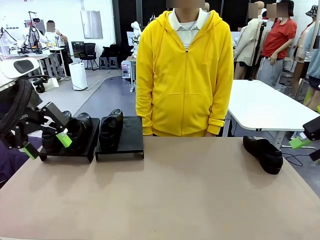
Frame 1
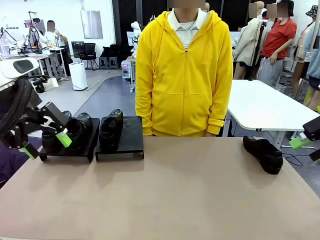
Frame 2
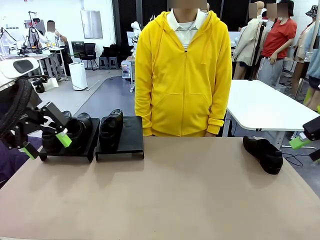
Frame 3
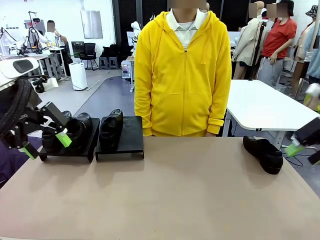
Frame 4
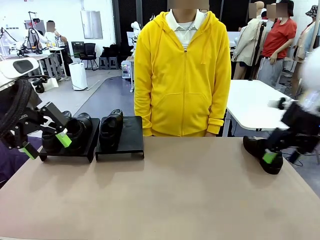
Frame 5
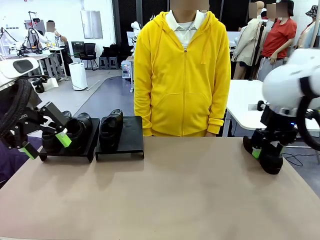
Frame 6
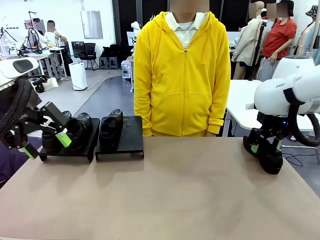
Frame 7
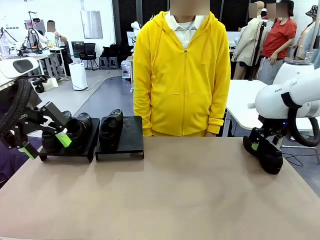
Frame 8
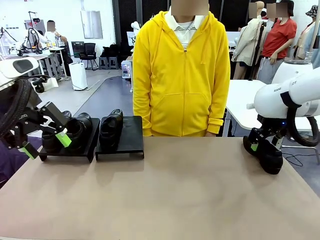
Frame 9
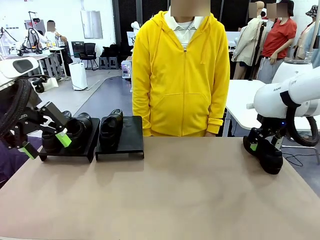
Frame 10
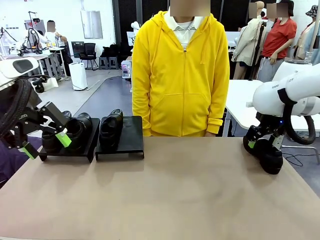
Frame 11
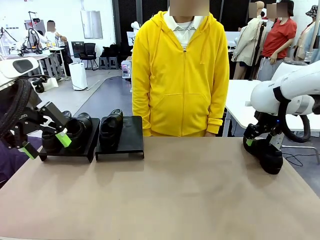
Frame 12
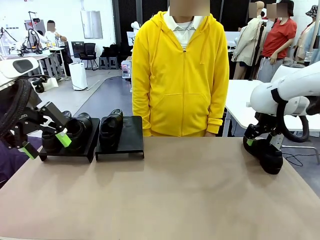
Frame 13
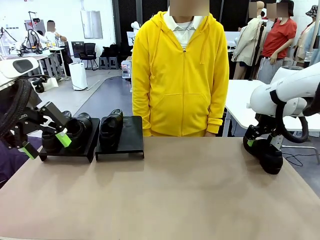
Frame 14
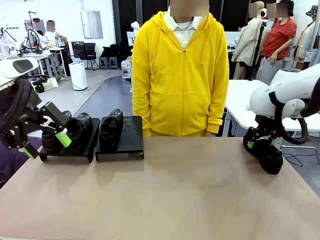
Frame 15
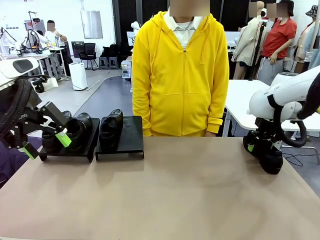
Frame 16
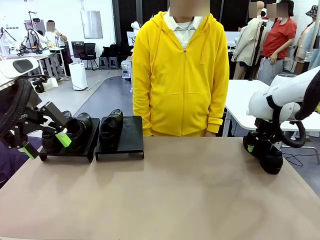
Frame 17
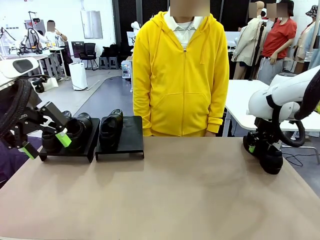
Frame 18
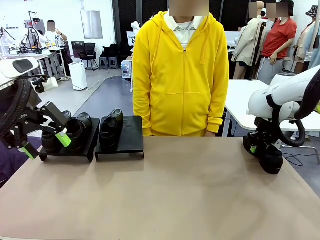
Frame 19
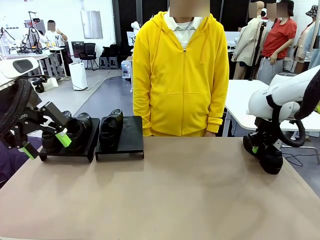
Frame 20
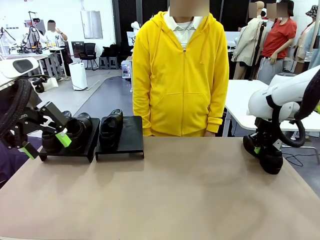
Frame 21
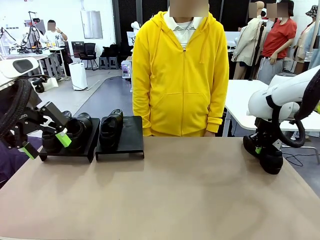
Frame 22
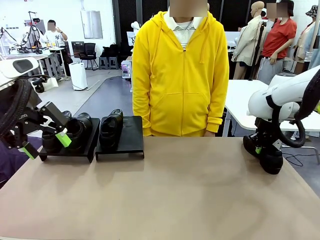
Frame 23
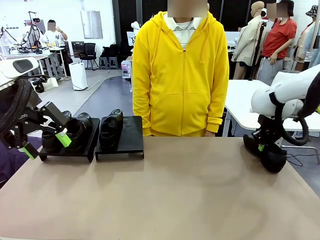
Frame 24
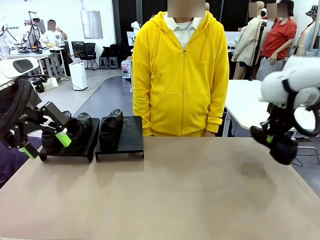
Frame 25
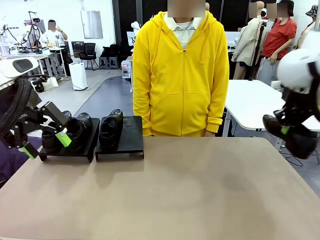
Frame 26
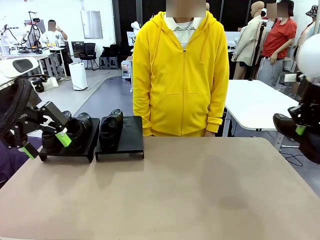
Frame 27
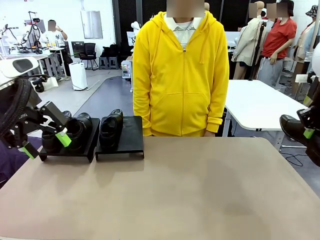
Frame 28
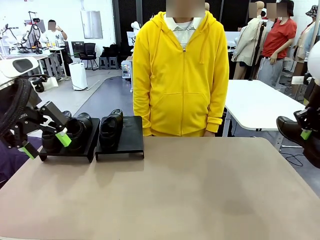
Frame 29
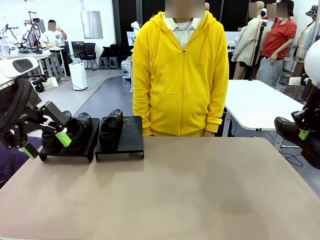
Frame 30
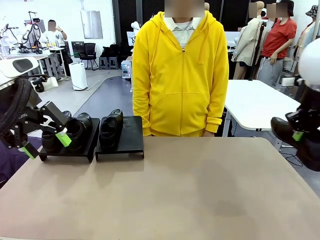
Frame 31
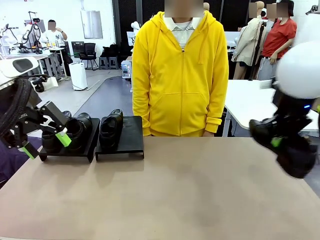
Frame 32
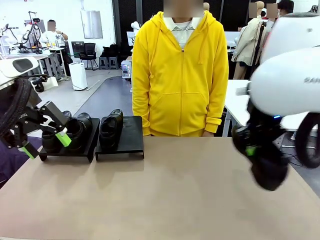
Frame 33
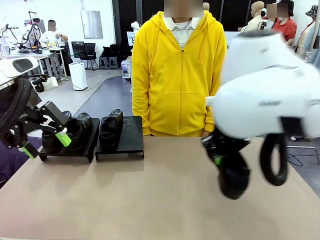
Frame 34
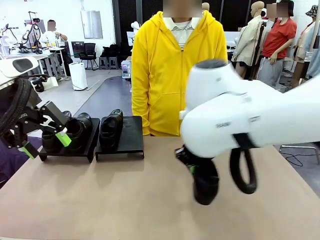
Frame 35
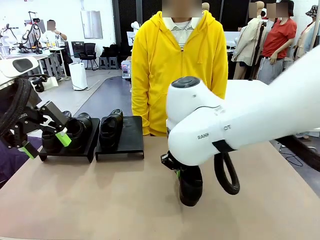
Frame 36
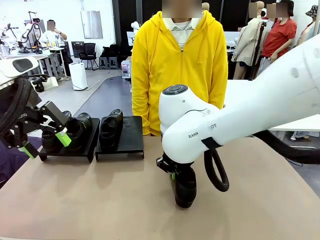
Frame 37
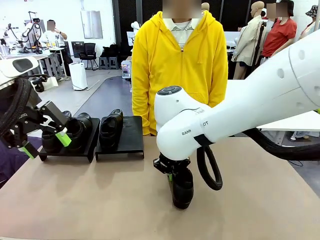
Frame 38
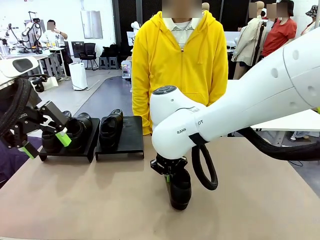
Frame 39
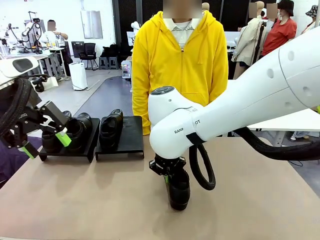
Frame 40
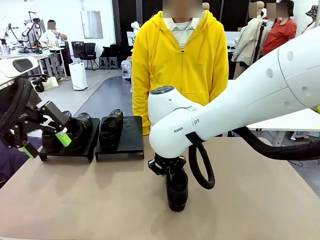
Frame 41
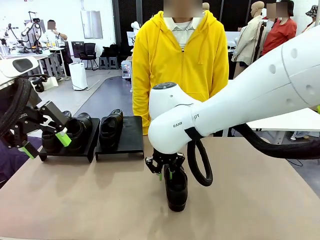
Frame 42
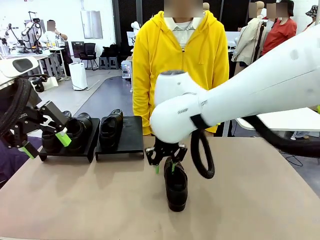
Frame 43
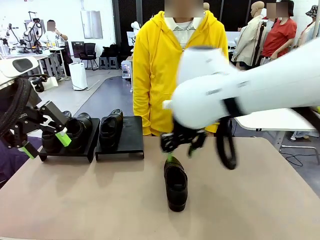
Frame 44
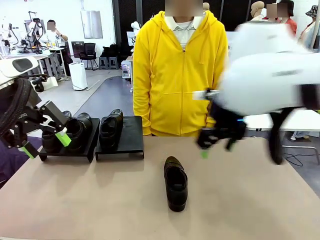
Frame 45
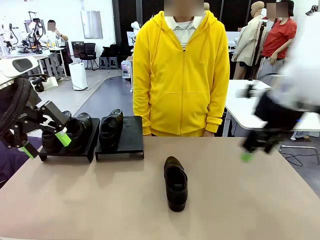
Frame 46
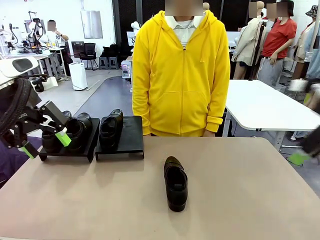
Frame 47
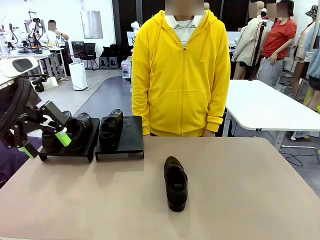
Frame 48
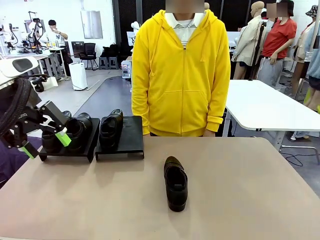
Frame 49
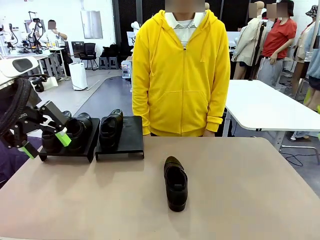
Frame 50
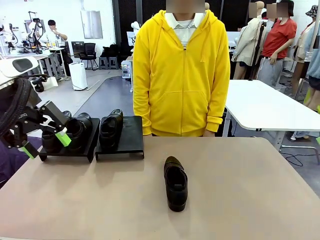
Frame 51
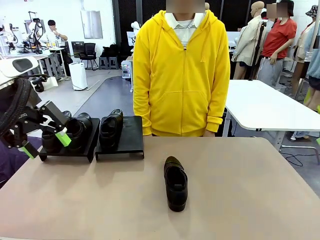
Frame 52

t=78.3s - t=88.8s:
Task: Organize the shoes by placing them on the stand.
Robot: Pick up one Shoe and place it in the middle of the table.

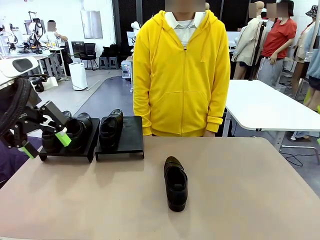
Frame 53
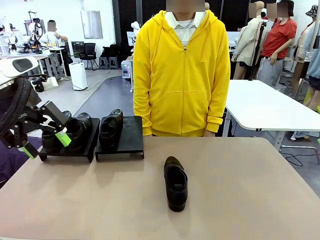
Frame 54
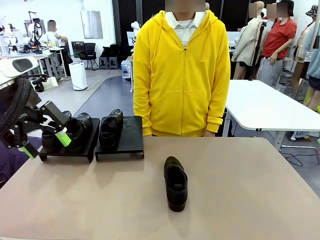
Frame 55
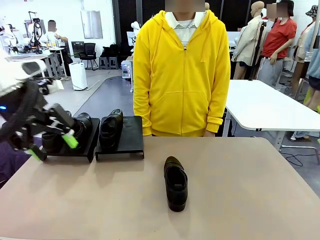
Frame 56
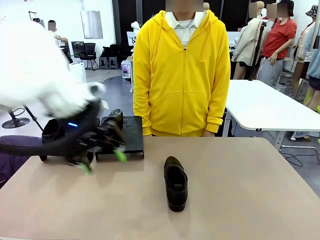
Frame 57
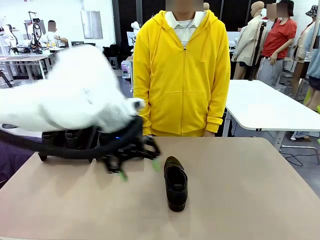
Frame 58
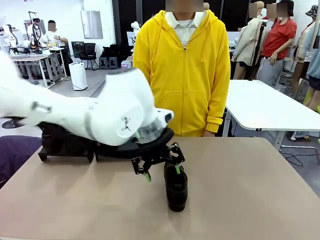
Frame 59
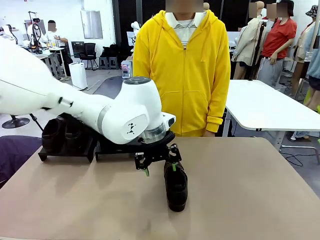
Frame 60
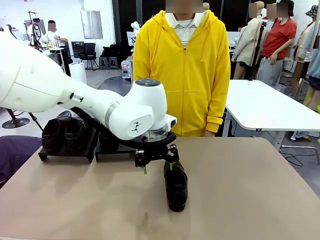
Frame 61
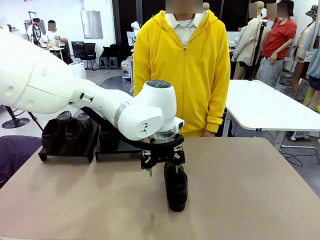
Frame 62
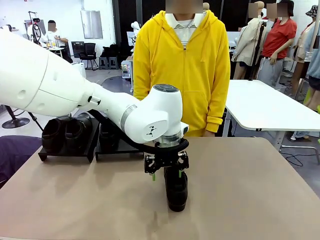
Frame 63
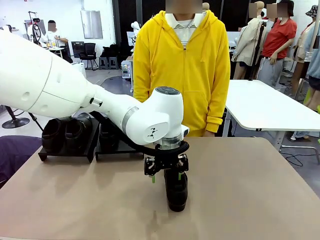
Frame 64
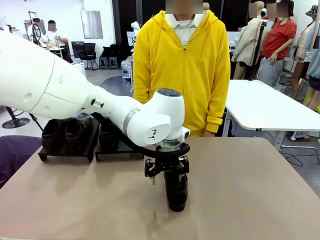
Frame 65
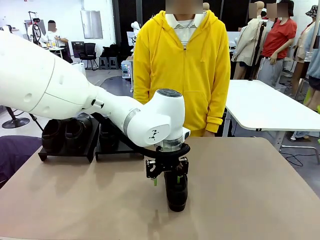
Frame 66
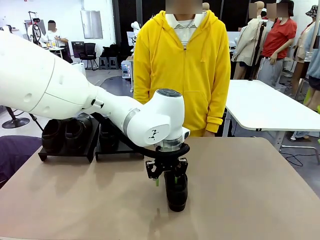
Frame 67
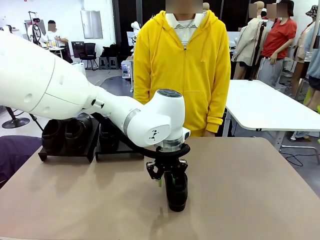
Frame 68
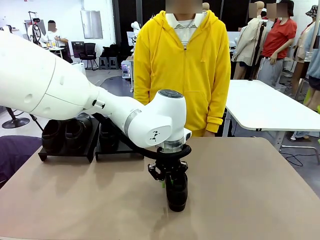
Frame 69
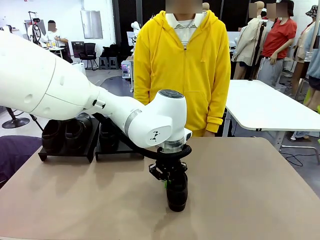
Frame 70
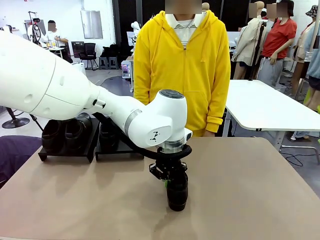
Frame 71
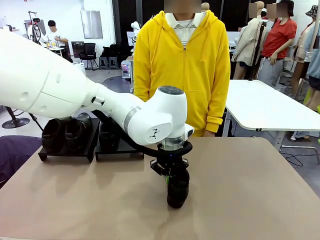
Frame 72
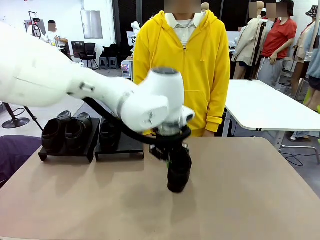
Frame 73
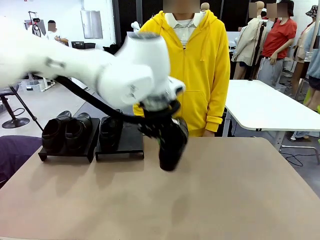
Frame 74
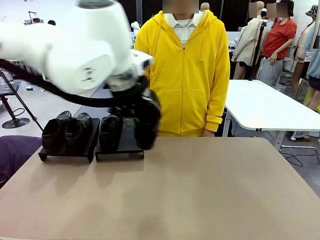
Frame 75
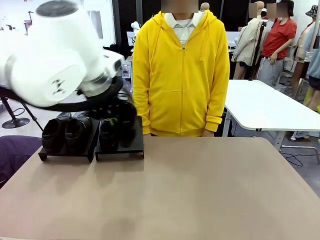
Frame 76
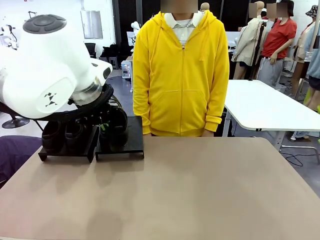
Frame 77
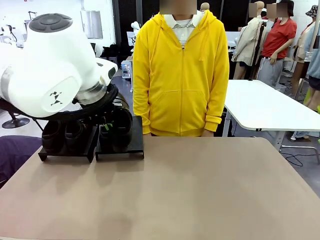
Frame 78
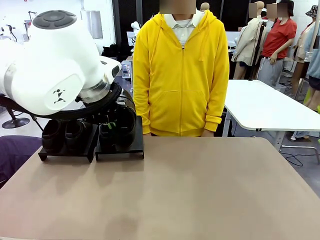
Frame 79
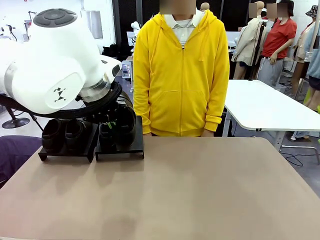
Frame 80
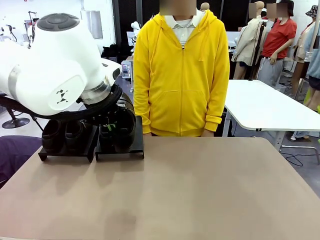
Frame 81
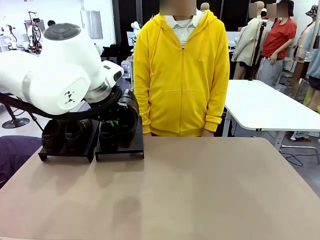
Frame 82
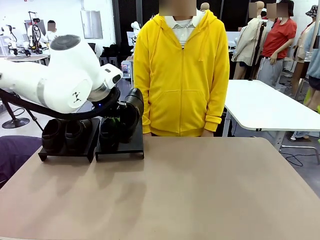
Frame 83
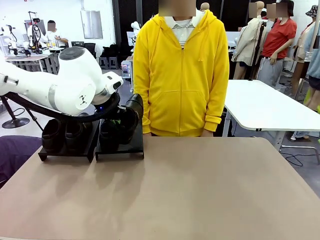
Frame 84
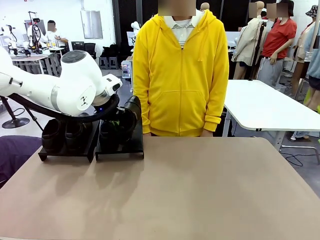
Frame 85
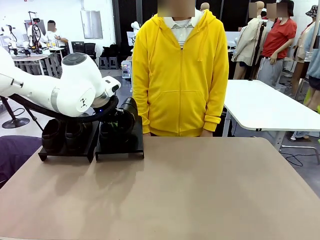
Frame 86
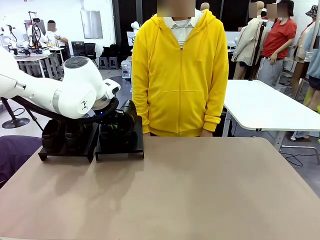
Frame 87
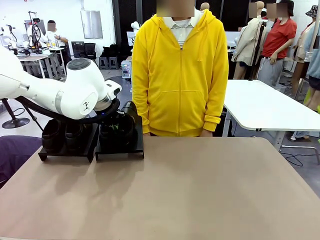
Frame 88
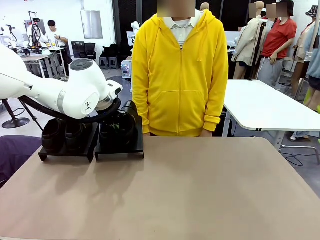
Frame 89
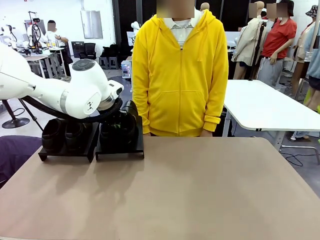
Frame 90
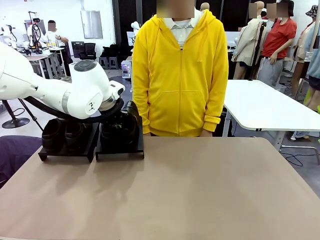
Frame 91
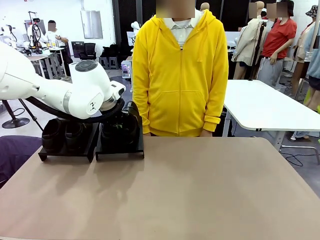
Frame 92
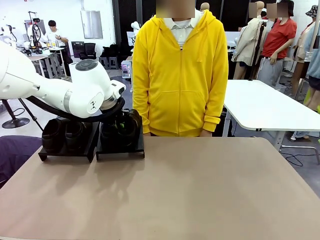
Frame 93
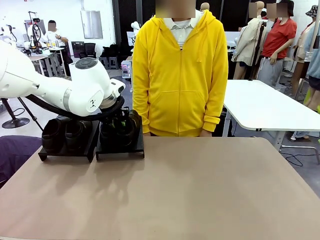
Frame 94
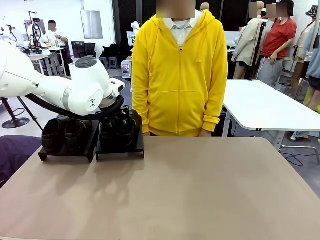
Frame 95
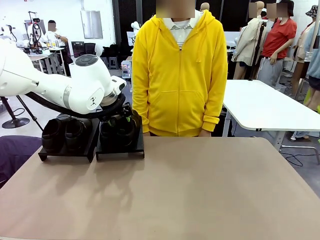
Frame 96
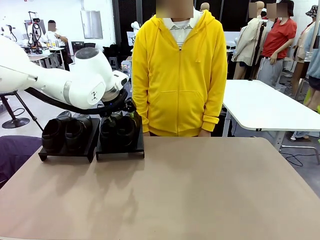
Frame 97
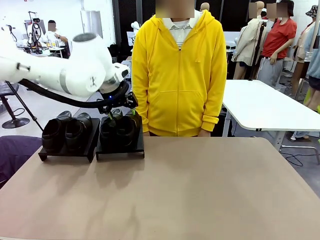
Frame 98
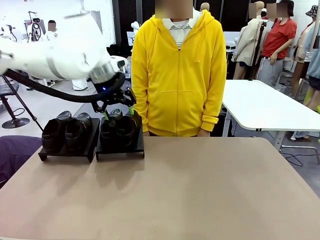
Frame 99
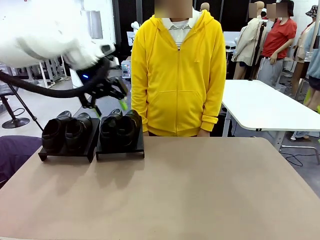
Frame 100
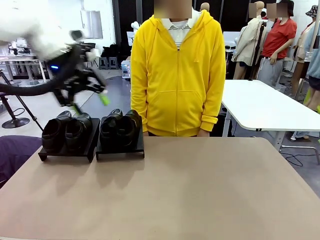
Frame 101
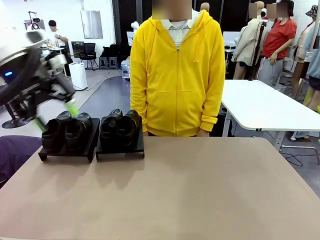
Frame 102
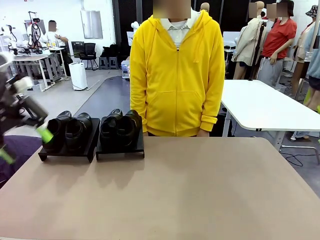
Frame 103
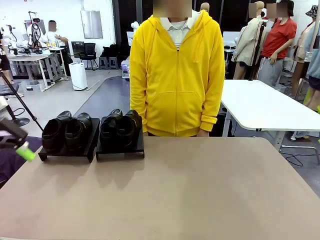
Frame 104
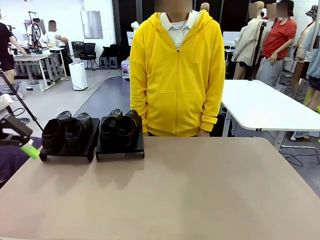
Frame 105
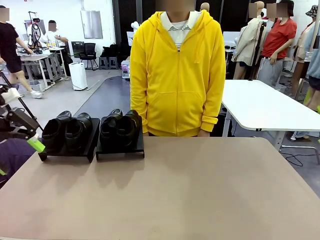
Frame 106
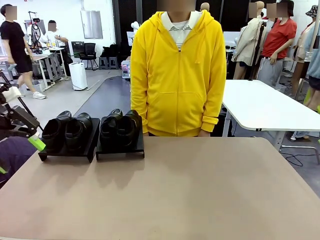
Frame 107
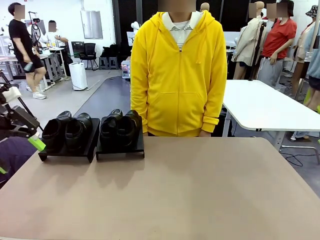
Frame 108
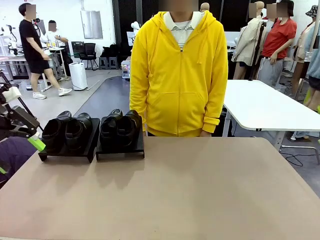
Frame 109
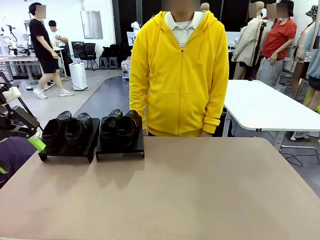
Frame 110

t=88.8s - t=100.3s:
Robot: Place the Shoe from the middle of the table onto the Shoes Stand.
